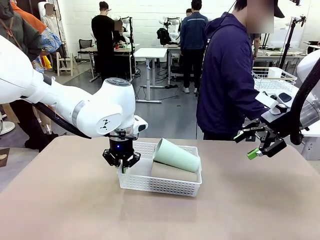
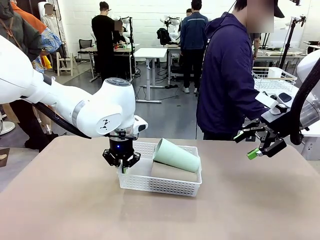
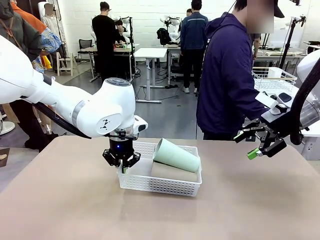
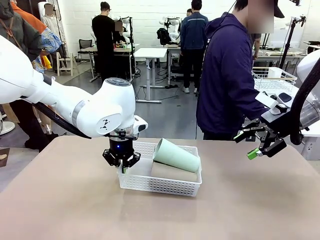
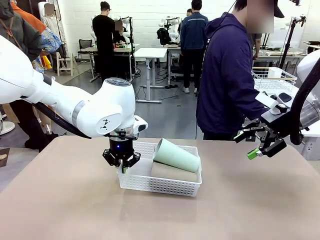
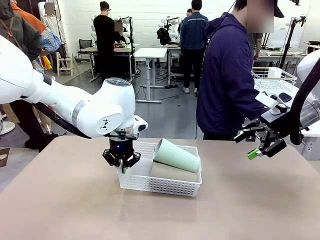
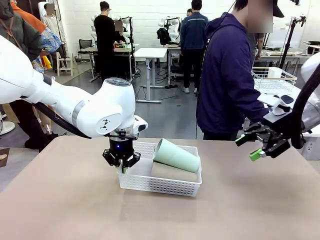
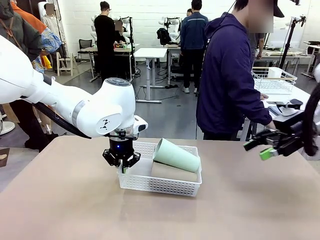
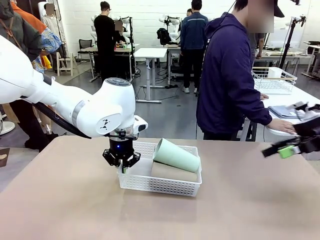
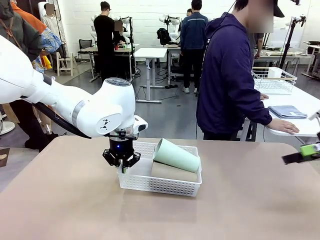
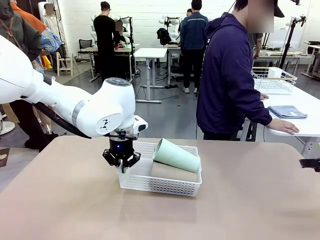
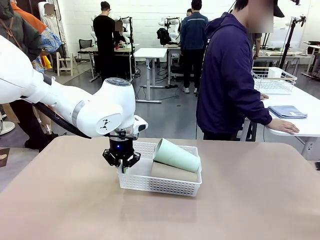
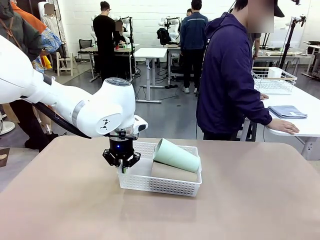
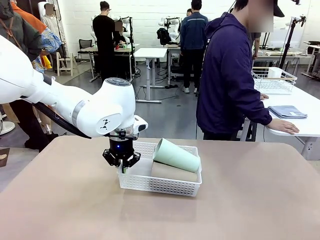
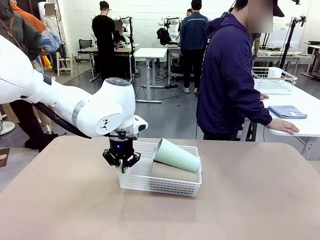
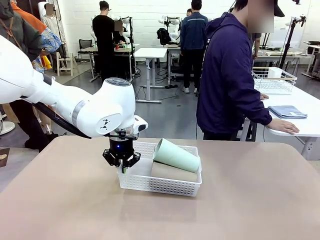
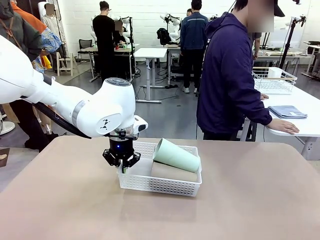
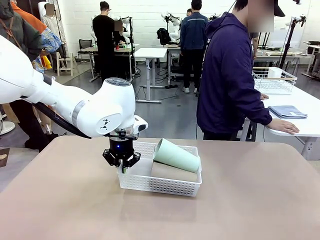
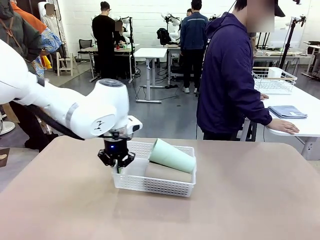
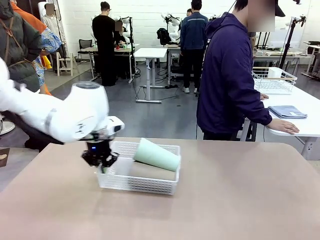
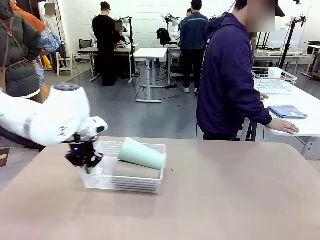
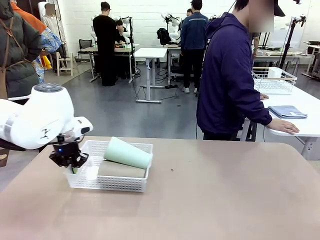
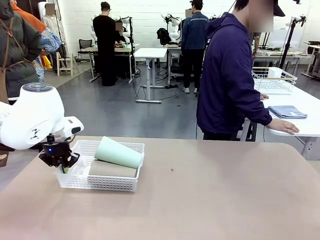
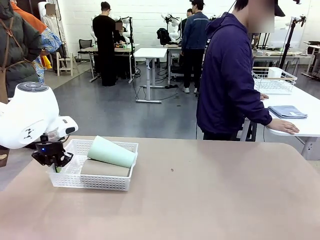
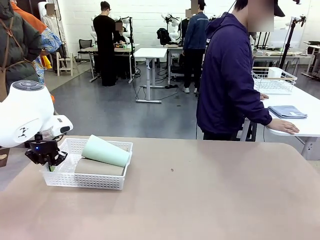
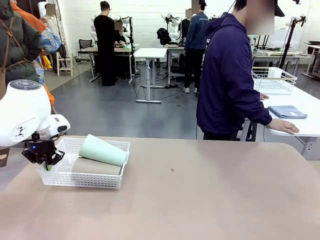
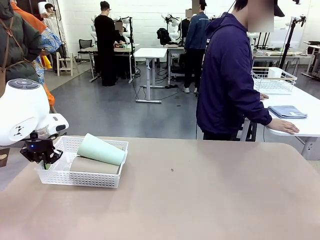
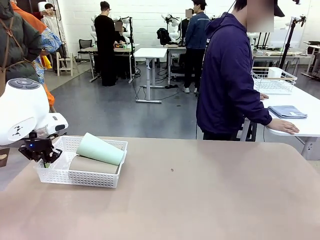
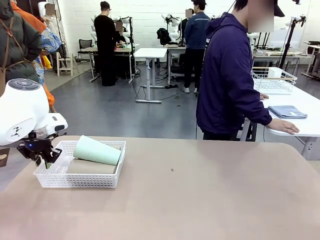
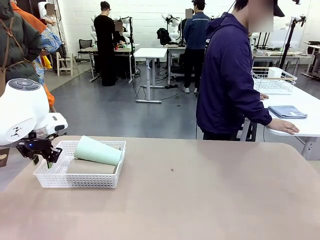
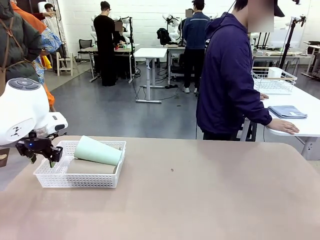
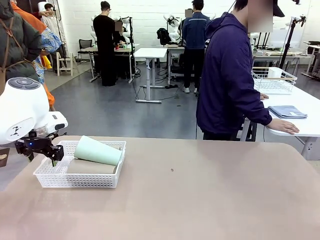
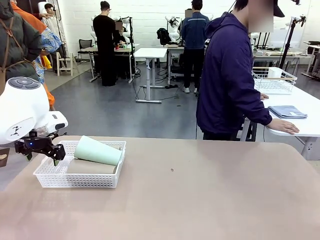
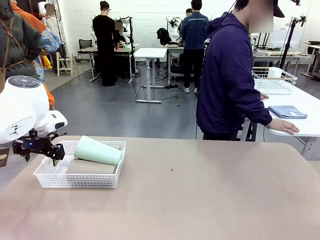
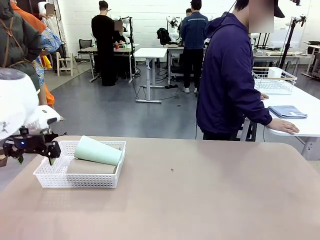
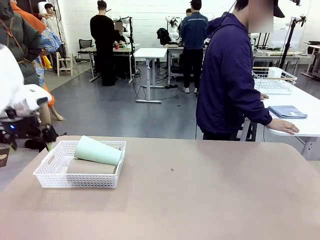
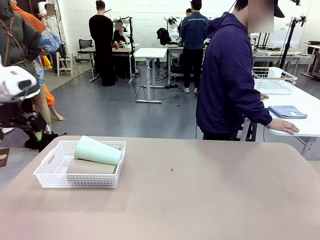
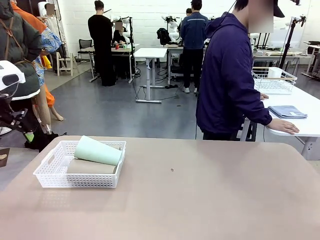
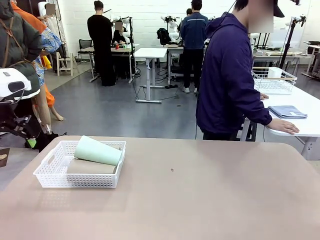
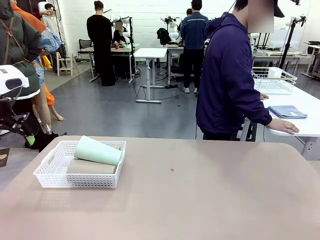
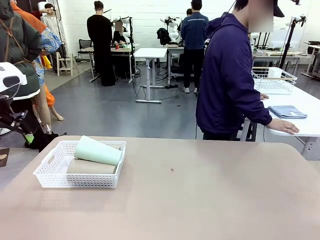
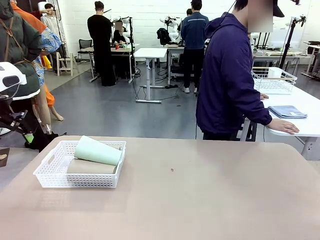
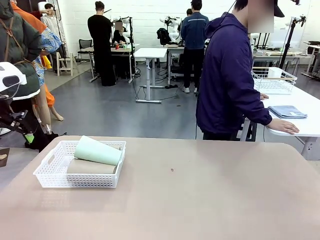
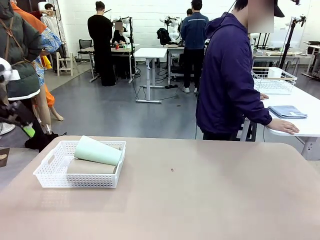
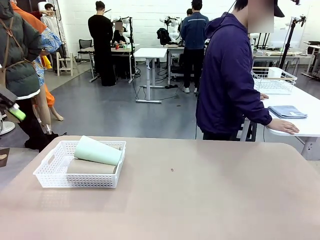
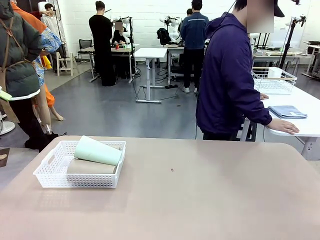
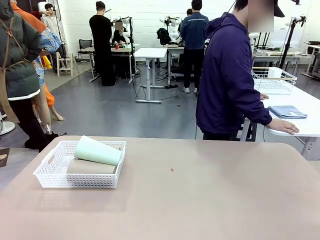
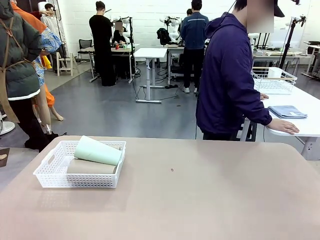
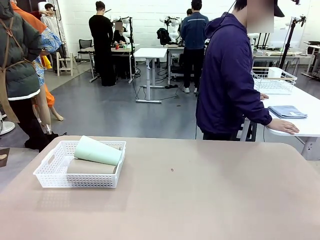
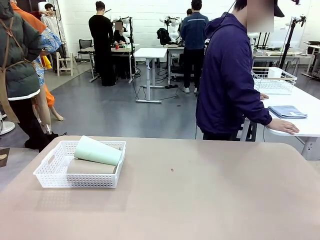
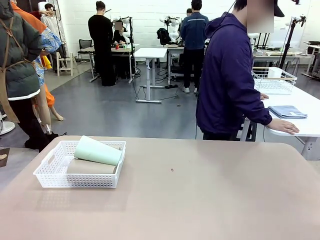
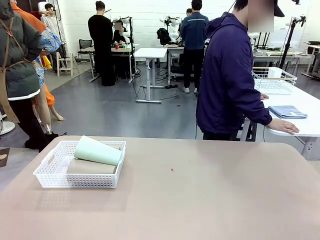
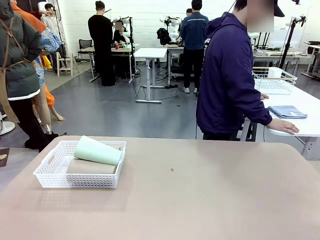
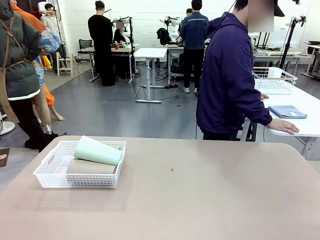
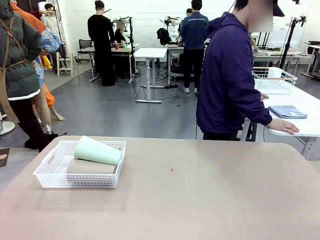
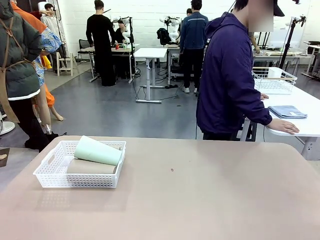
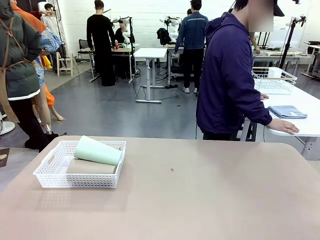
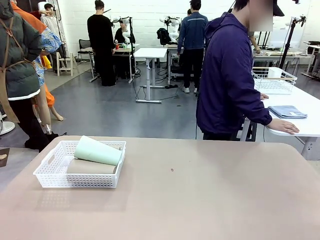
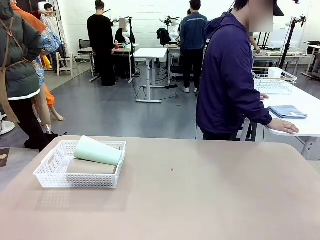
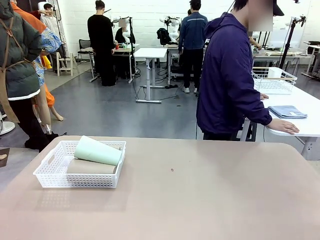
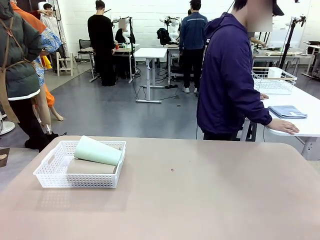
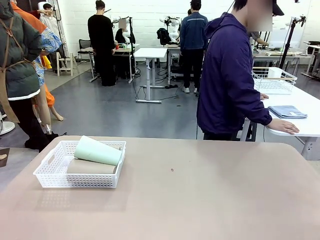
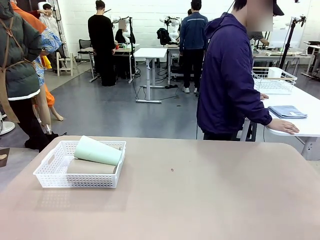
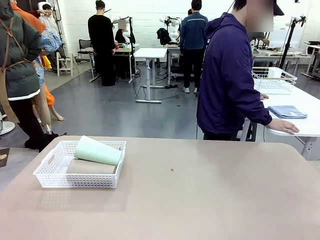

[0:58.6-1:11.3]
Task: Clean and organize the cups into the basket.
Robot: Move the Organizing basket back to the left side of the table.

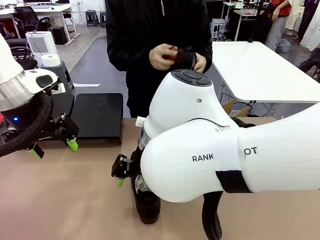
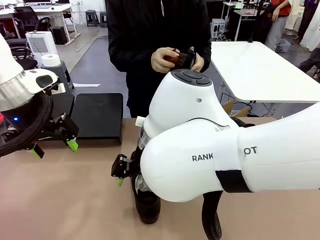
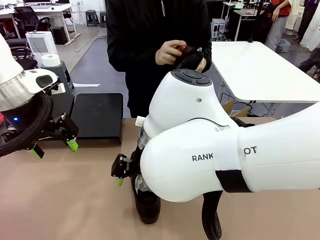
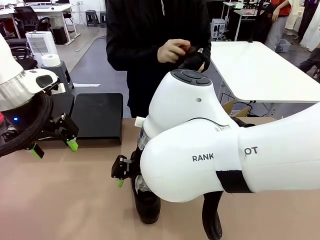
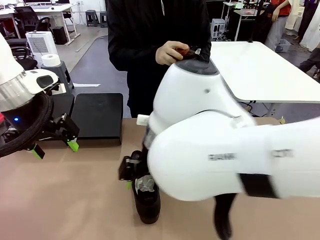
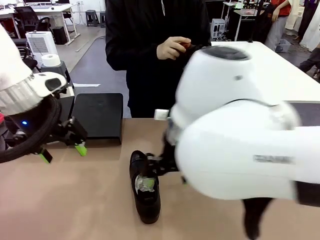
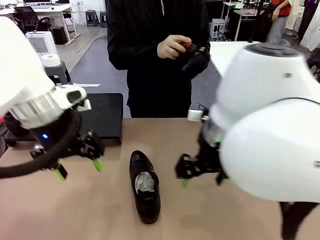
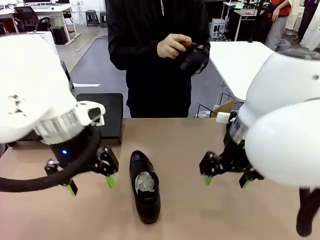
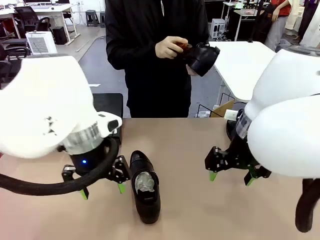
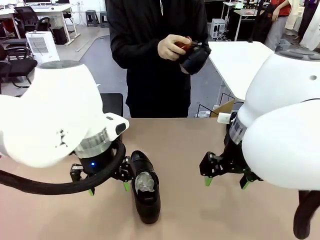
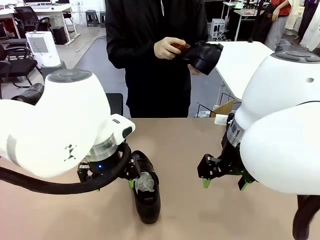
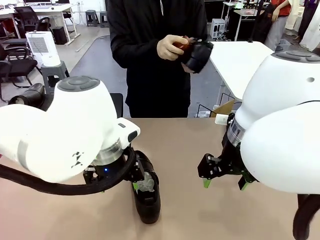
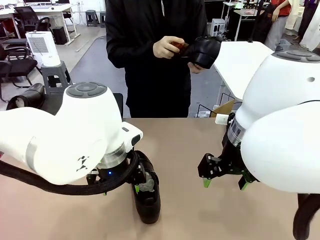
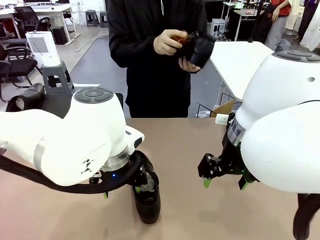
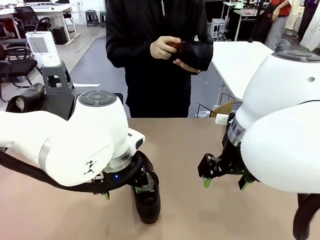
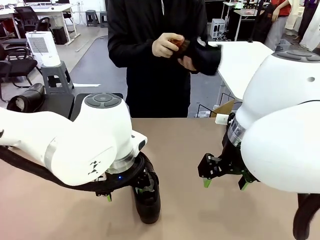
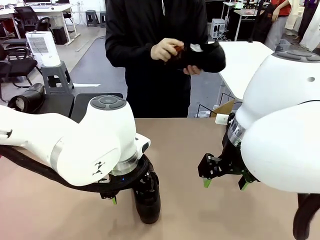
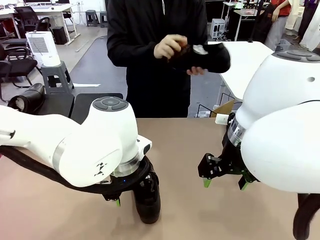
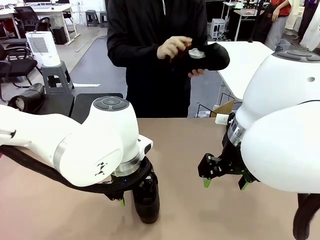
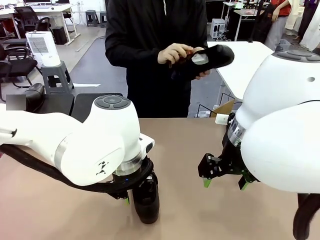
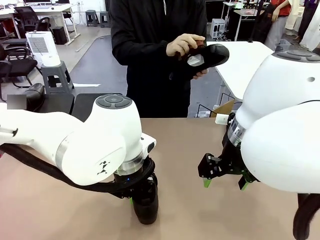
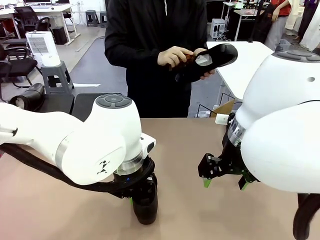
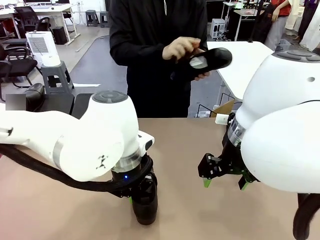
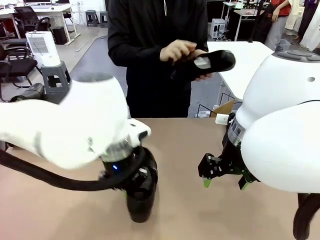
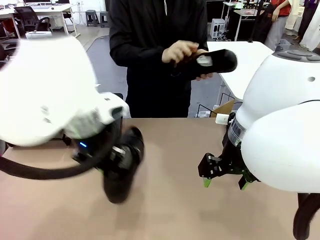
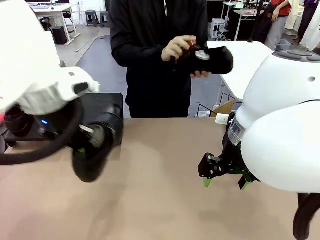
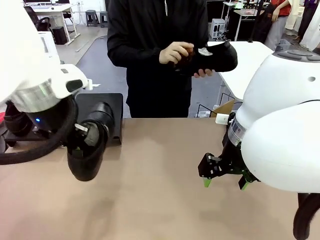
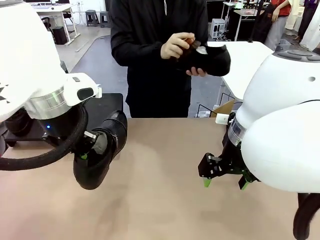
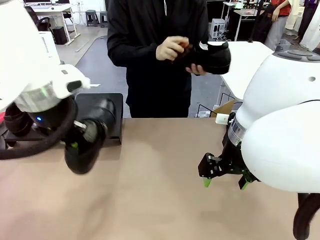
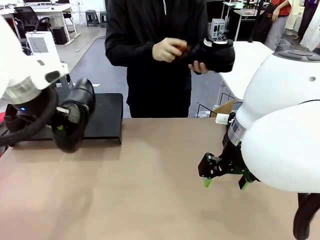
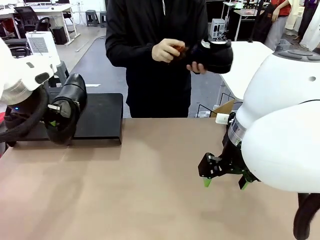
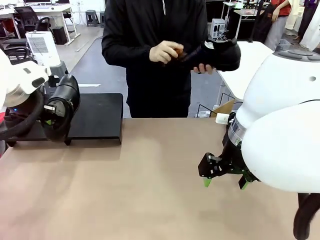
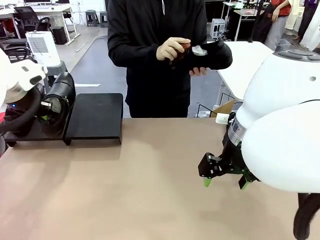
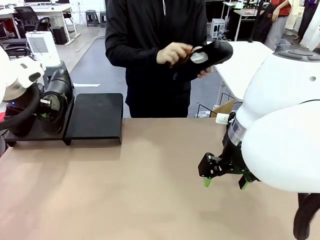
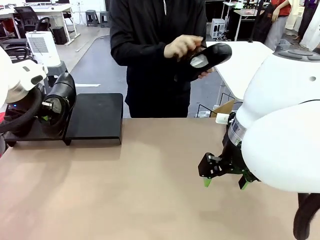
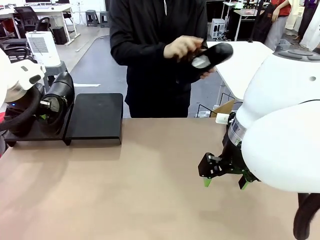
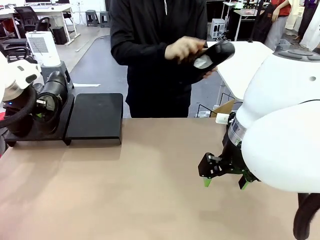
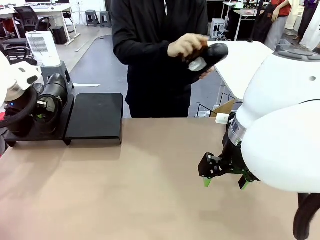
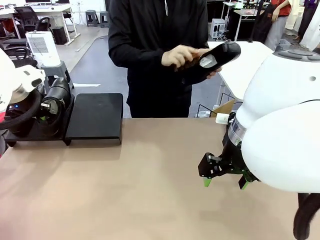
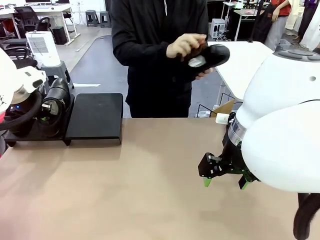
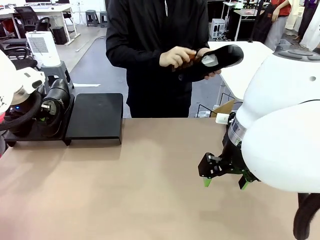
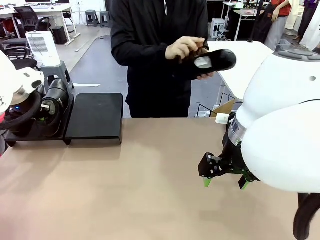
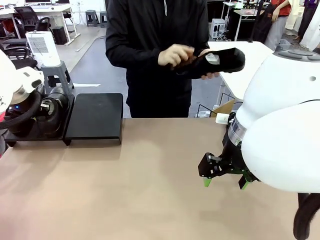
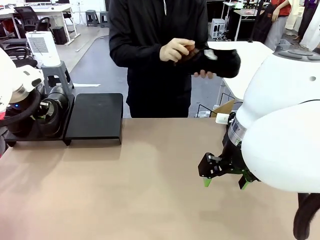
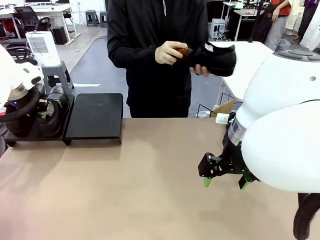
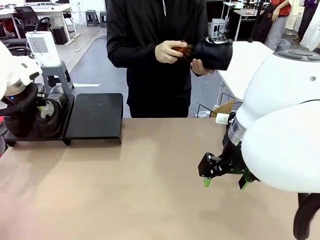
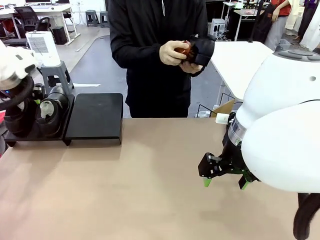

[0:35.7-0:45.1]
Task: Organize the shoes by placing them on the stand.
Robot: Place the Shoe from the middle of the table onto the Shoes Stand.
